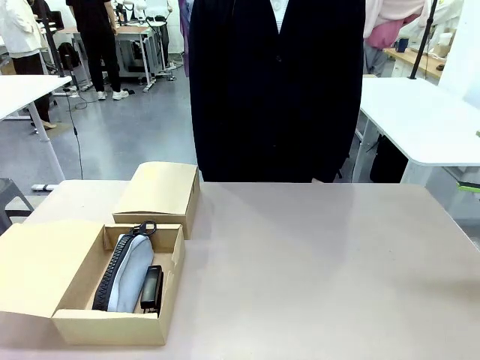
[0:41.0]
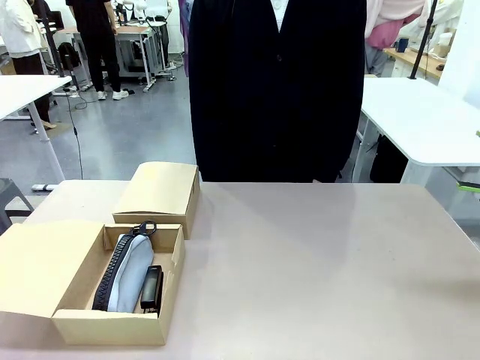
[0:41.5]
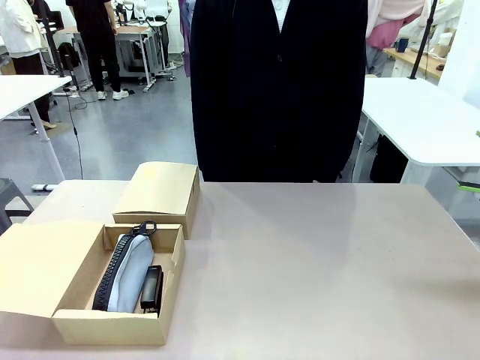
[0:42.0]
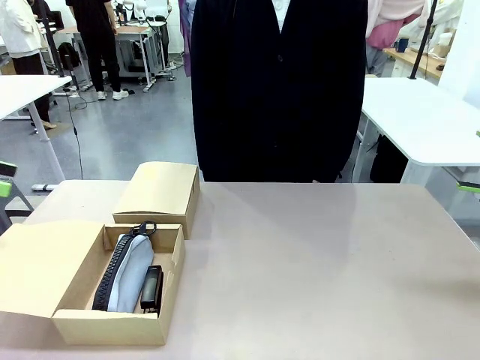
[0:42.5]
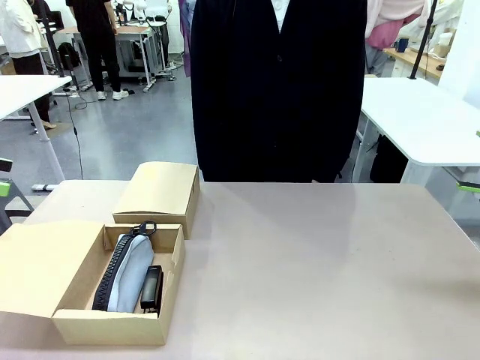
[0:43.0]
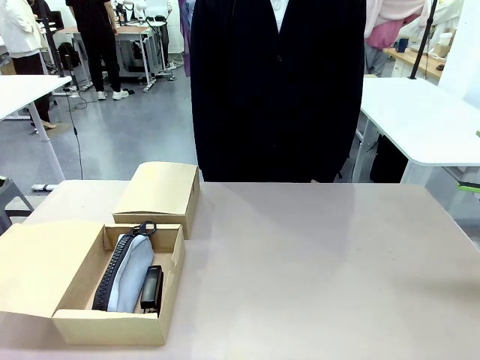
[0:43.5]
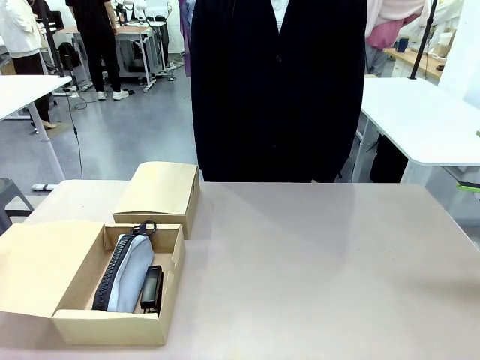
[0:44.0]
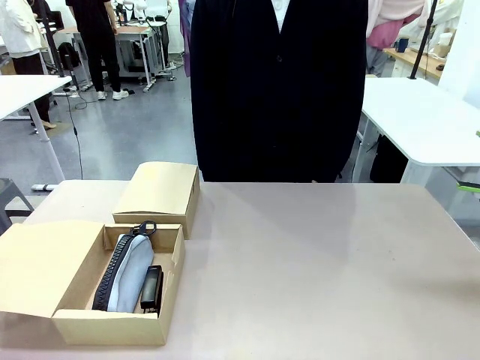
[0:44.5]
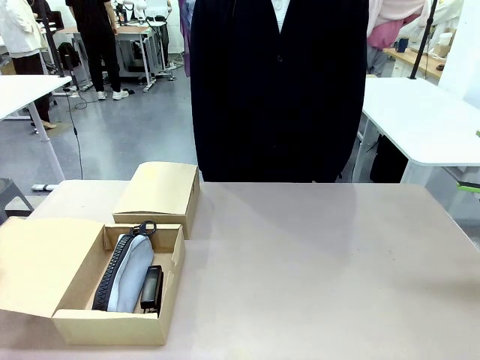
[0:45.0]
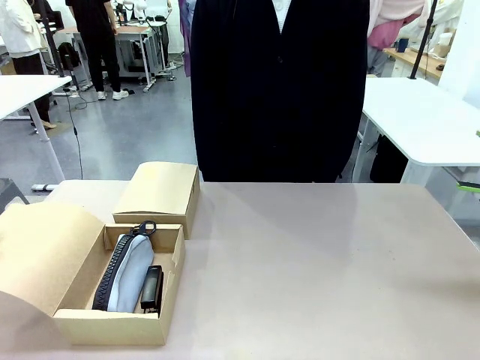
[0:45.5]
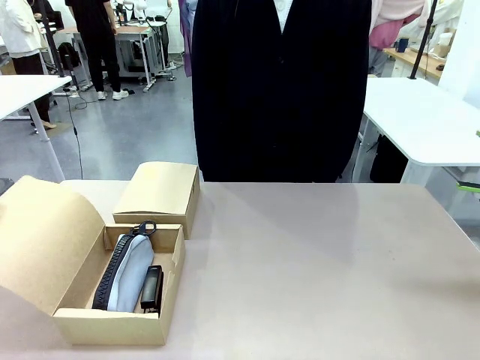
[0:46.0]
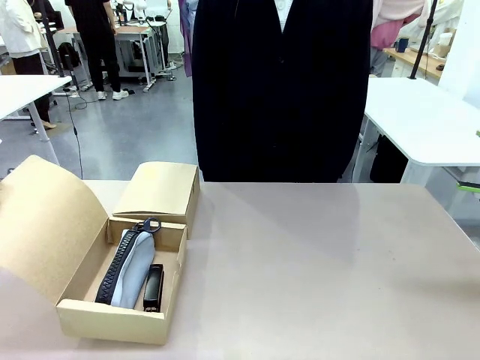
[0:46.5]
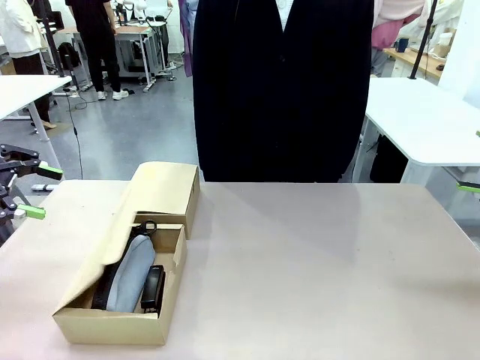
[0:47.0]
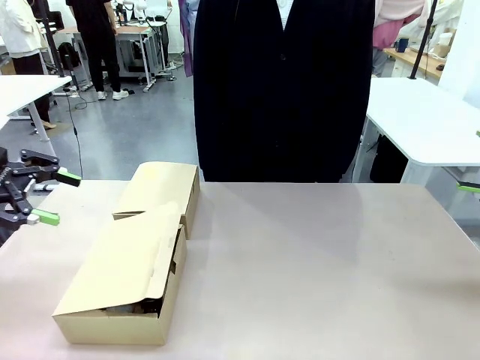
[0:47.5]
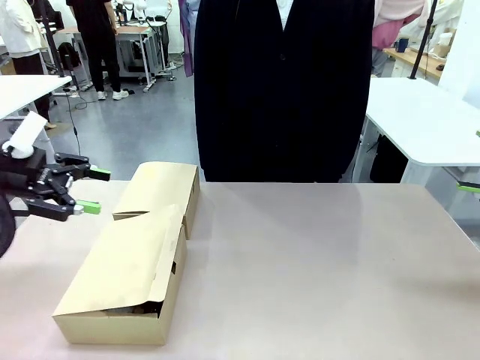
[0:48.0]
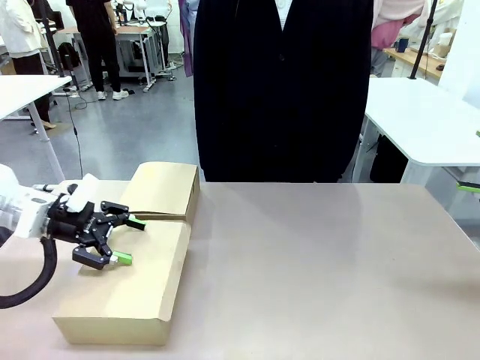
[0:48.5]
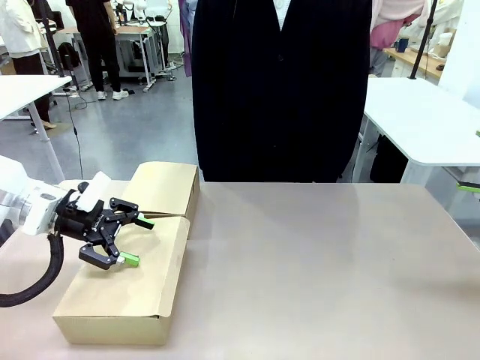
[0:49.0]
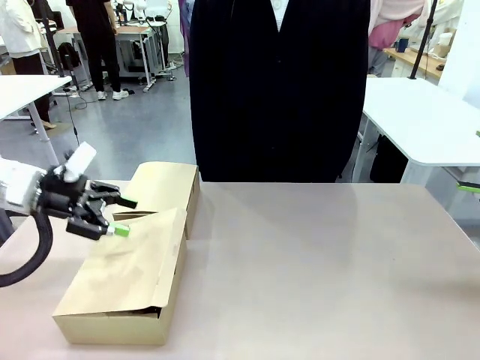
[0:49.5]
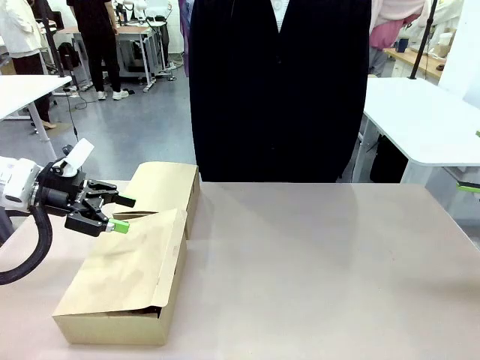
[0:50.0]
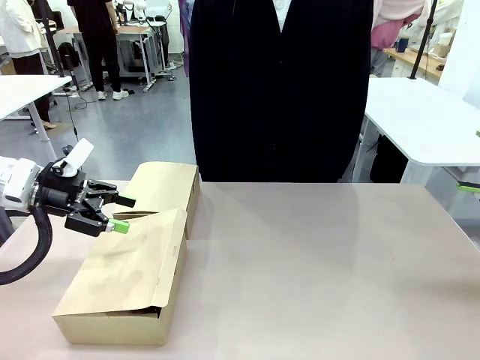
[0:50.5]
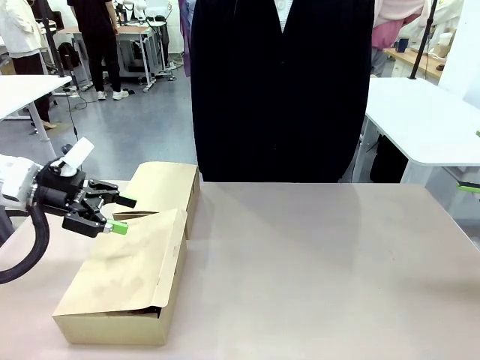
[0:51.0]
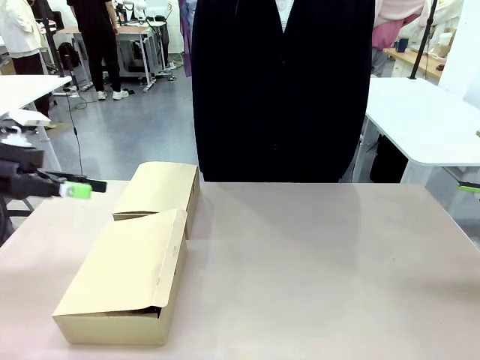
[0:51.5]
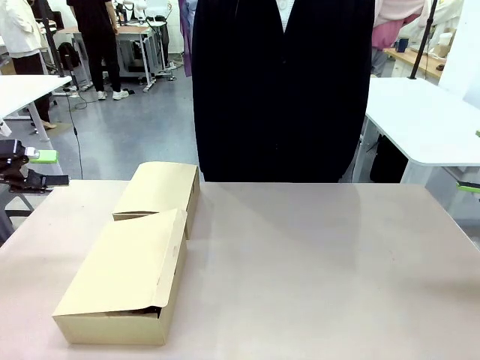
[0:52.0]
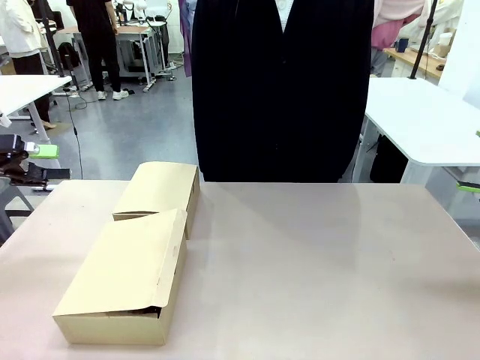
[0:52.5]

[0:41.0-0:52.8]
Task: Place items inside the box.
Robot: Close the lid of the Mailer Box closest to the robot.

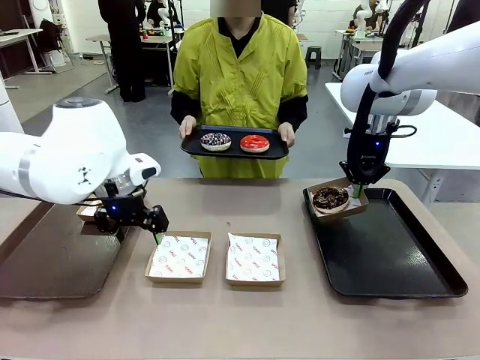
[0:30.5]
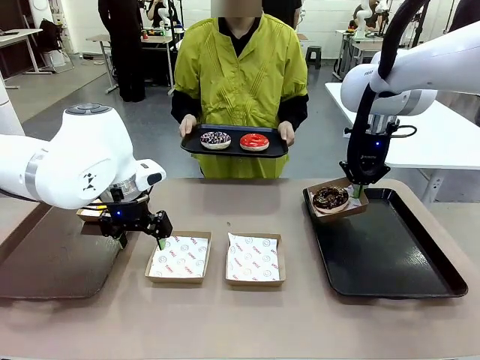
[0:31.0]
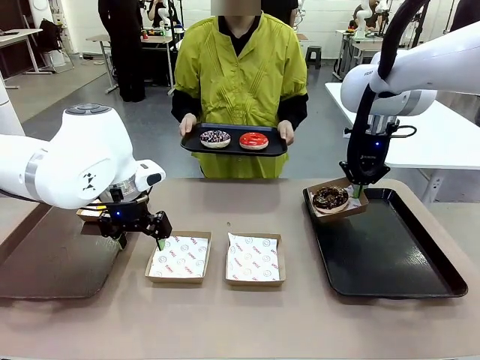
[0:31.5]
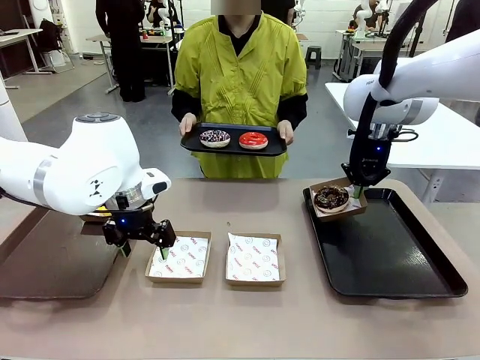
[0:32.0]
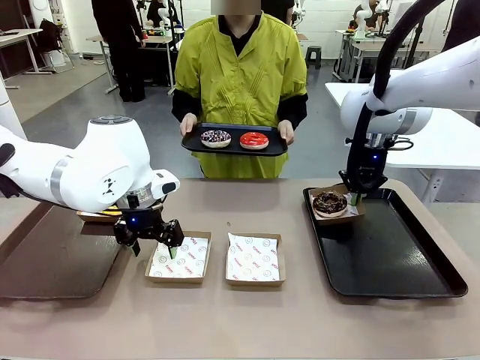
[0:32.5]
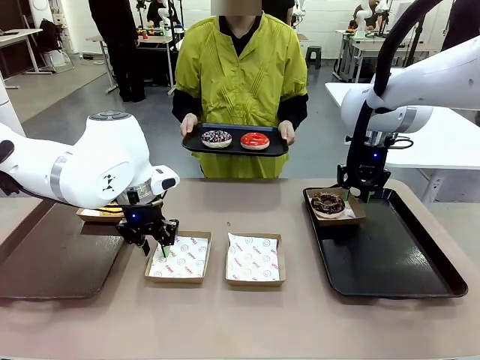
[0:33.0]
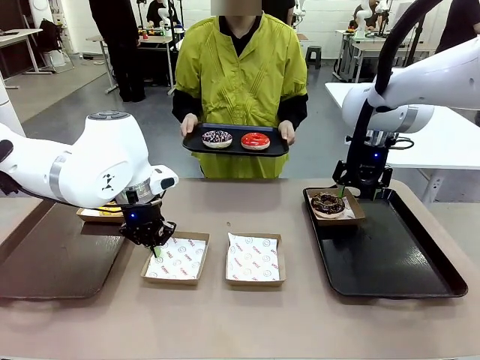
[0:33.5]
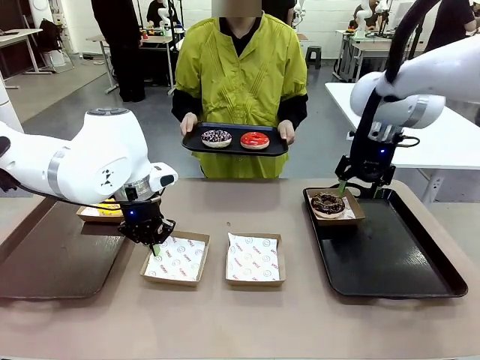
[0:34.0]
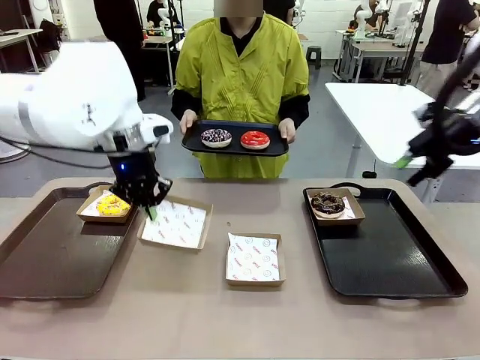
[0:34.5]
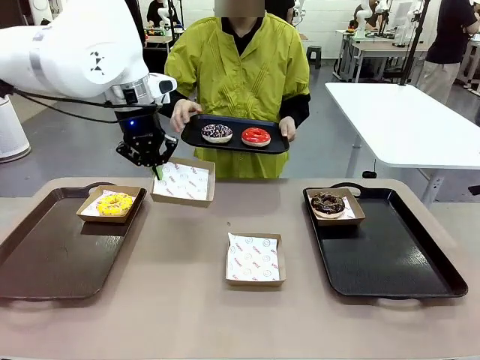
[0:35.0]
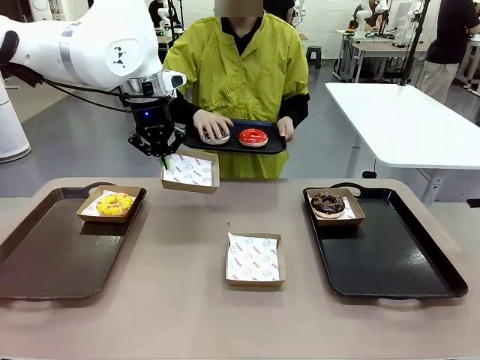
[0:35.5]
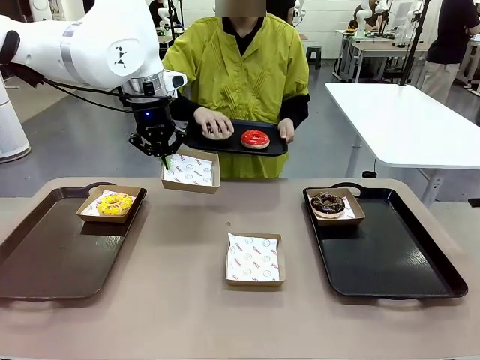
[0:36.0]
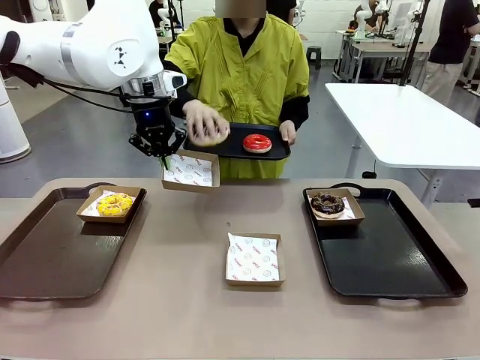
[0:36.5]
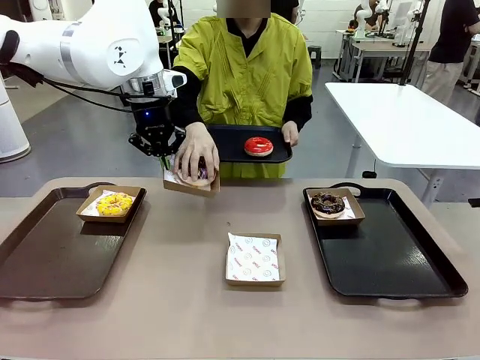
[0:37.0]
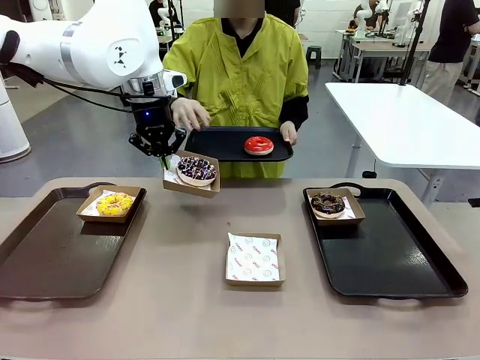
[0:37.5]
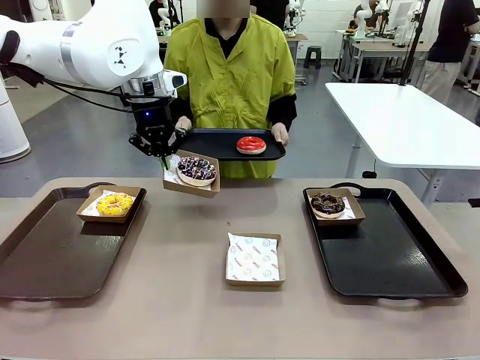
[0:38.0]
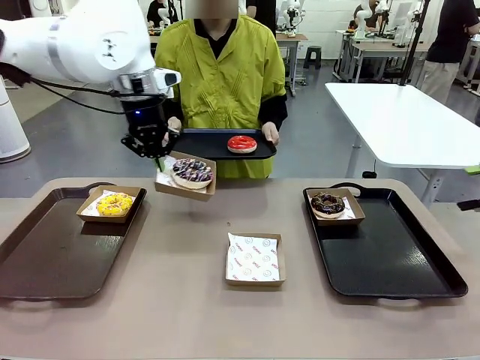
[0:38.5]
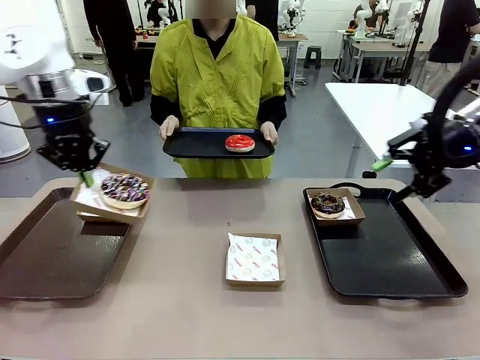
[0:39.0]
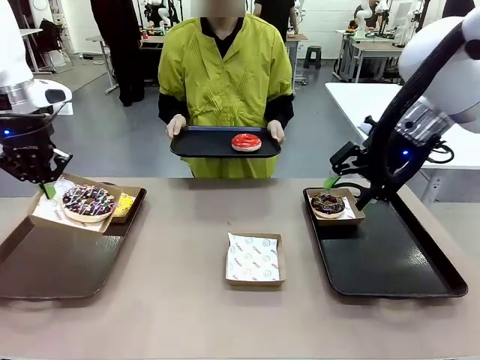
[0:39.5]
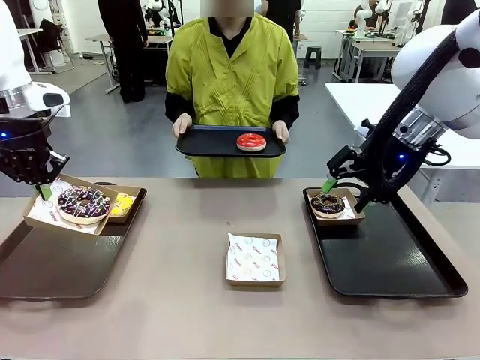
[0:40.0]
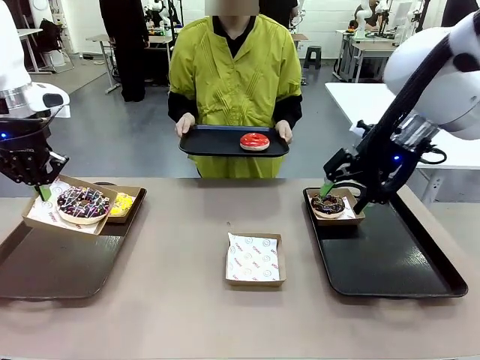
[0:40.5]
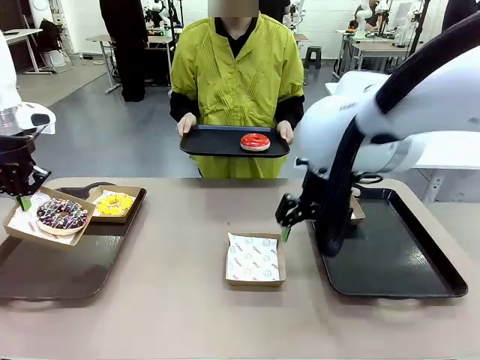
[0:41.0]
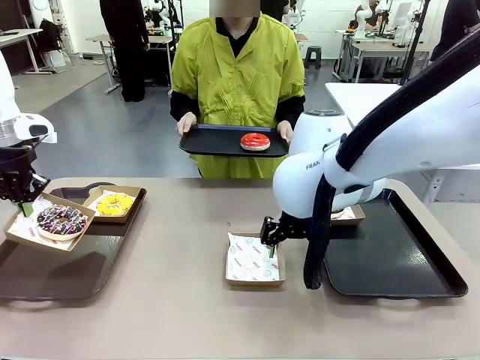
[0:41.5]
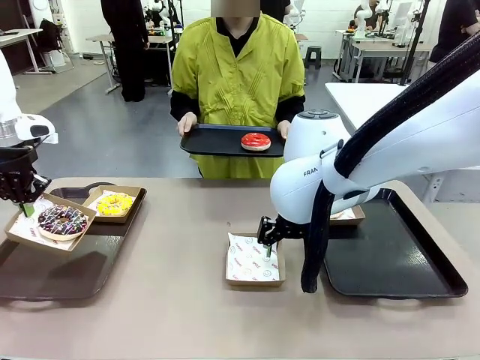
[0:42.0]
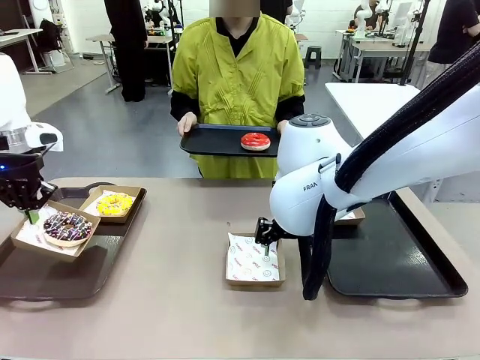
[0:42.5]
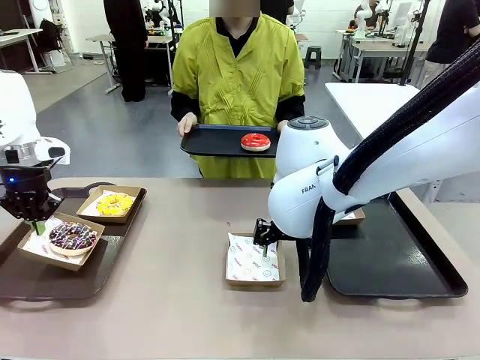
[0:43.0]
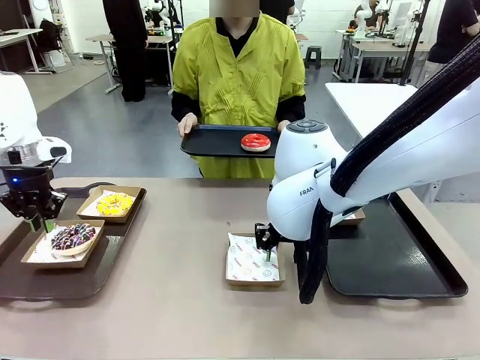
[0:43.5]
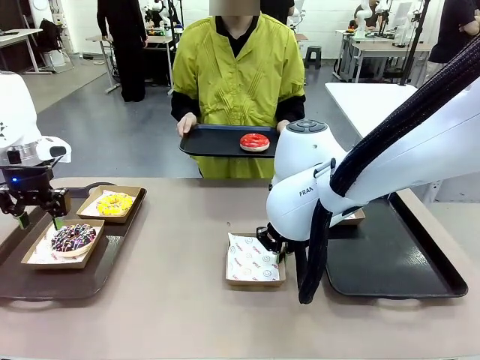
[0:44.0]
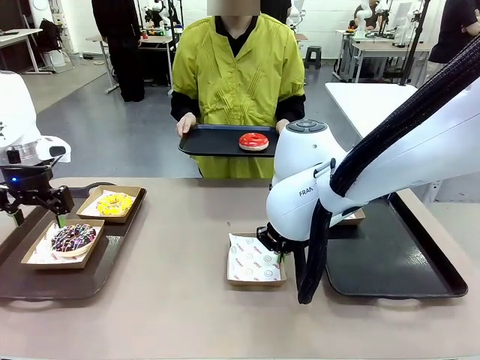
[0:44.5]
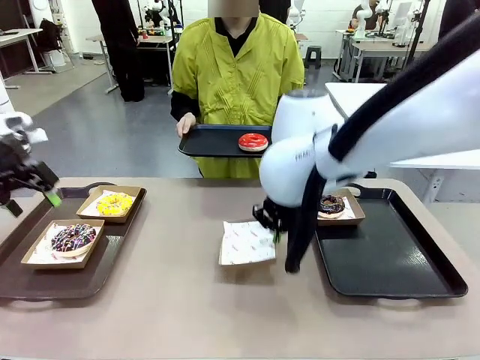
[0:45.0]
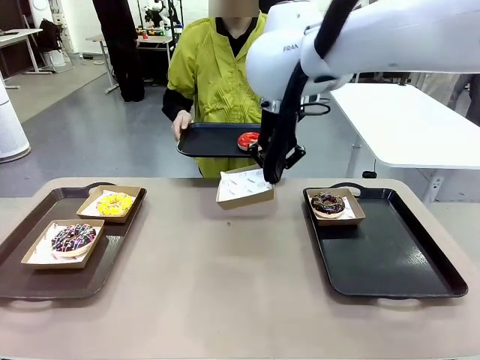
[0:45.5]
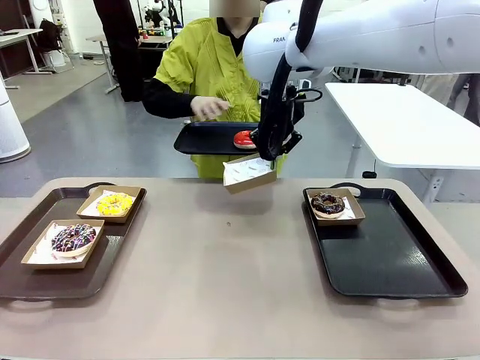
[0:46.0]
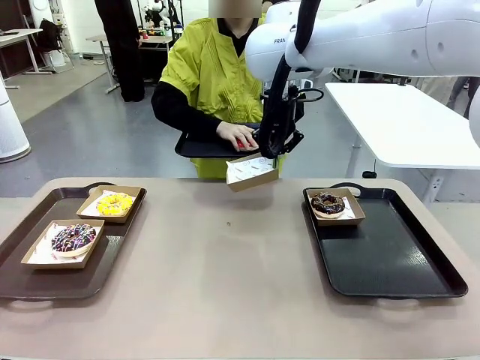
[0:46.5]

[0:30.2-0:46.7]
Task: Individually package the donuts and arrange them on the tray.
Robot: Place the picked Paper togo box on the Handle tray while simultaneously picking up another Paper togo box from the table with the other hand.
